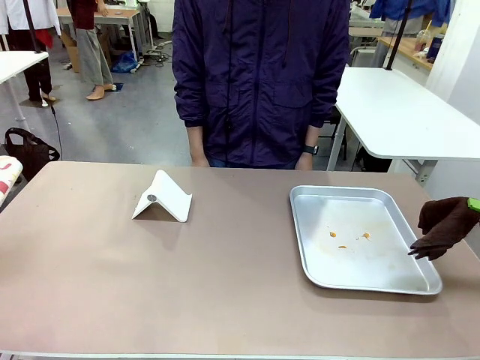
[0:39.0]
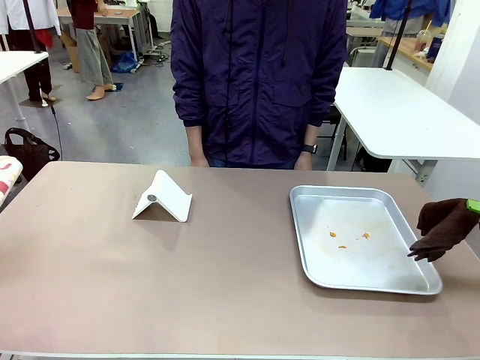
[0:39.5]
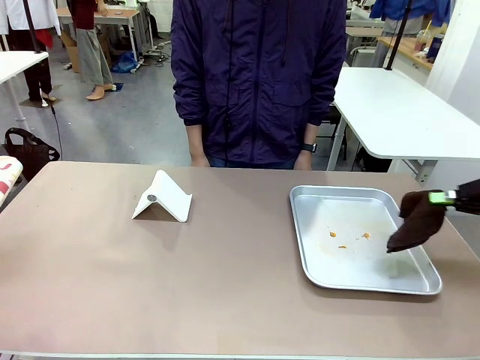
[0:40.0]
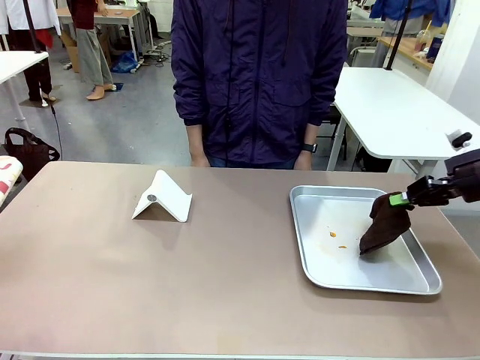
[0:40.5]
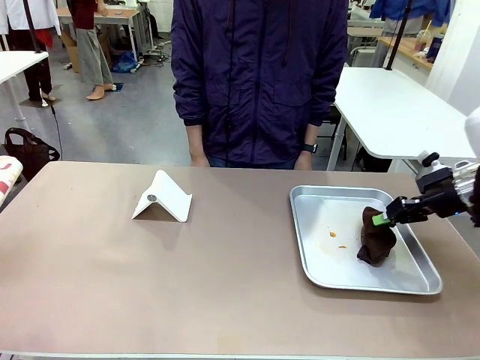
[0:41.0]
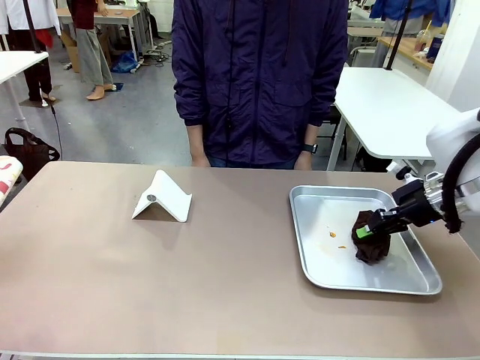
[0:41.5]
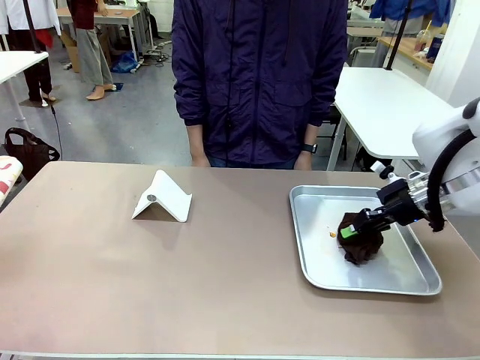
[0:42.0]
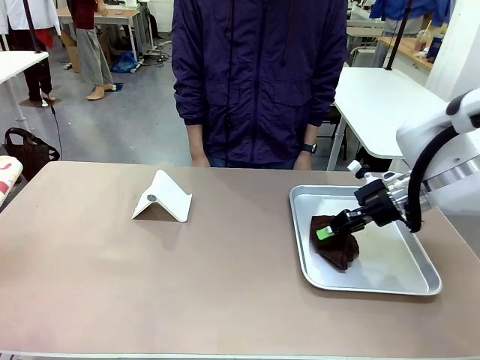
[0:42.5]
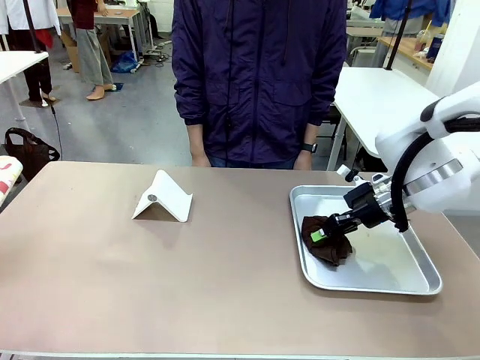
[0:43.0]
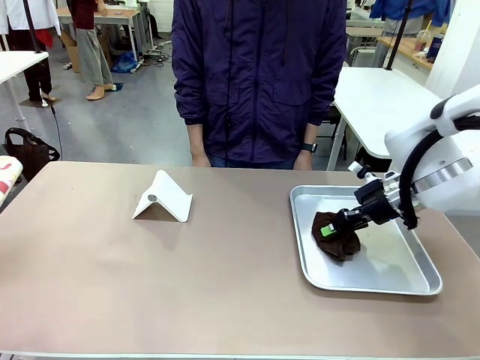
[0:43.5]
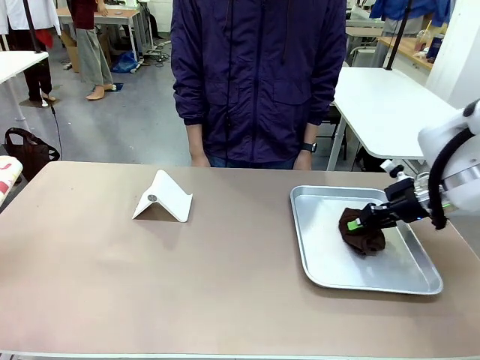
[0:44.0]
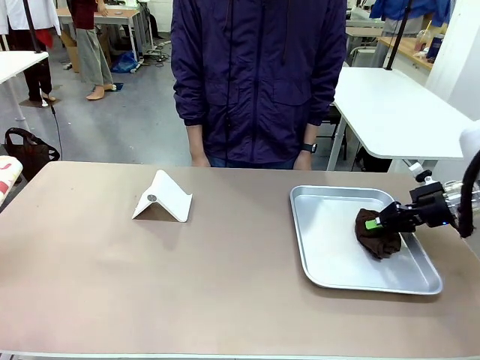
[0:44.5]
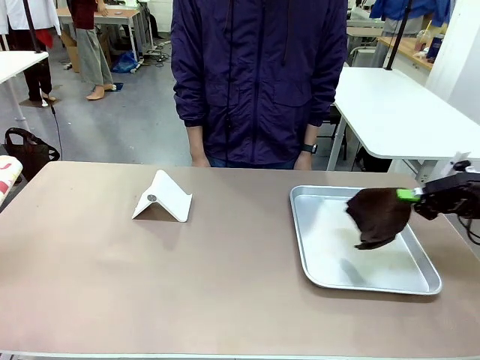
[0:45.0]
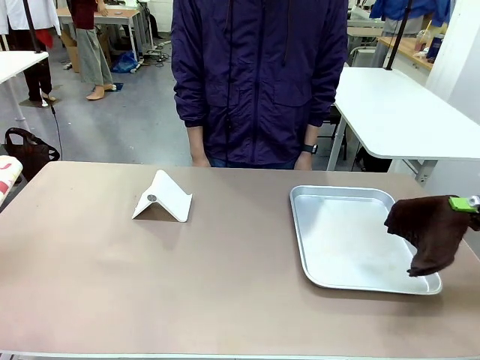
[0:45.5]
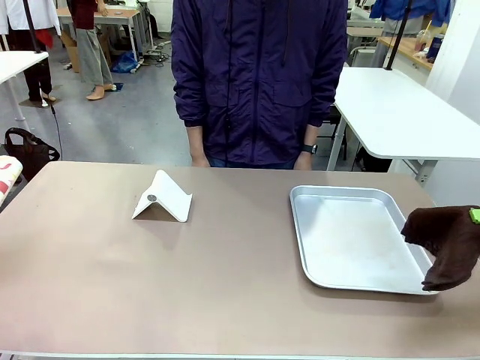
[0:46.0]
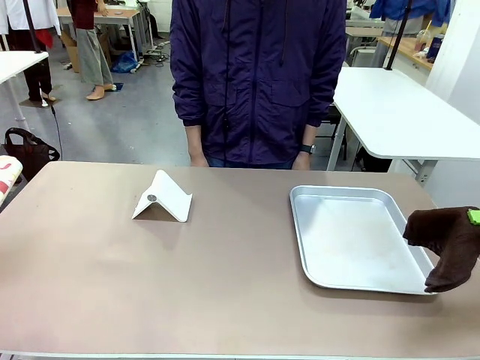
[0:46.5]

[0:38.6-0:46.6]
Task: Clean the surface of the table.
Robot: Clean the area not pointed to by the person.

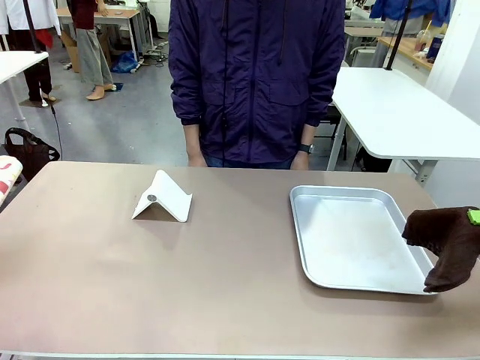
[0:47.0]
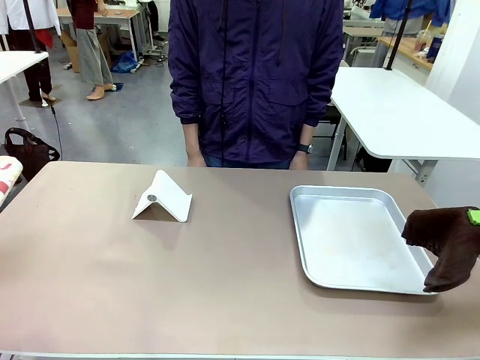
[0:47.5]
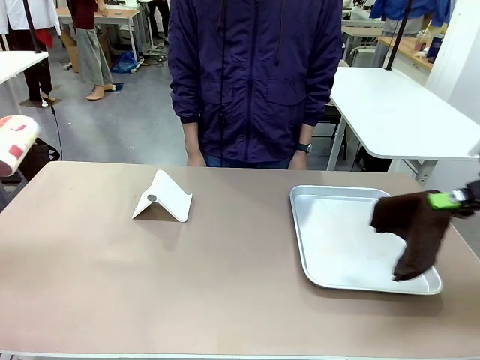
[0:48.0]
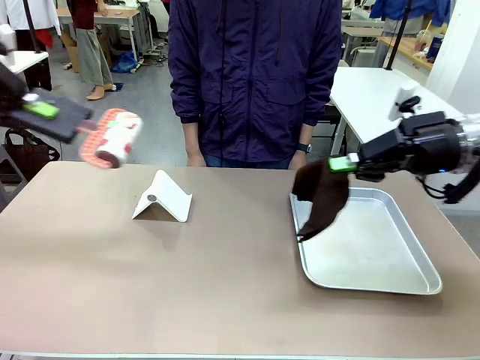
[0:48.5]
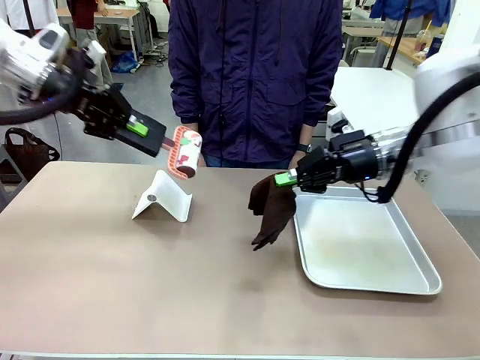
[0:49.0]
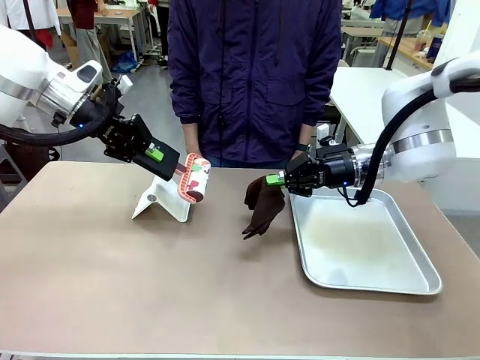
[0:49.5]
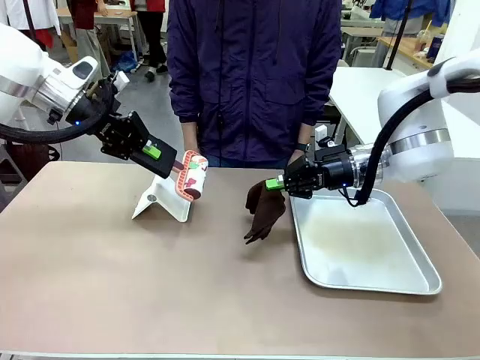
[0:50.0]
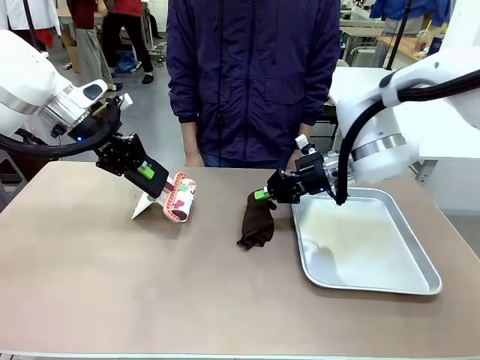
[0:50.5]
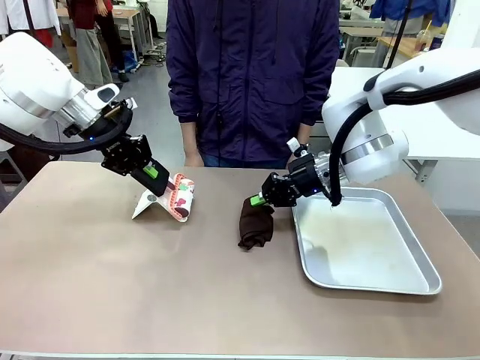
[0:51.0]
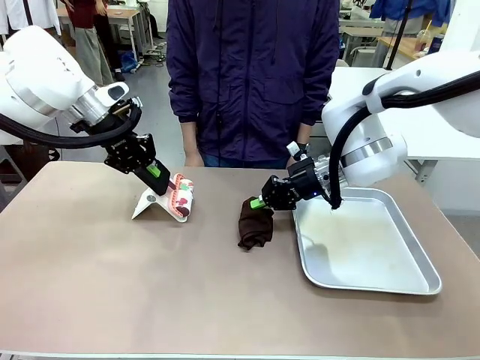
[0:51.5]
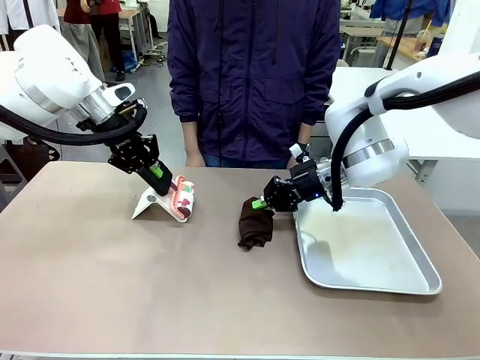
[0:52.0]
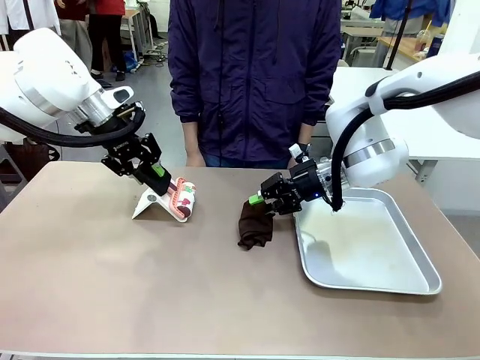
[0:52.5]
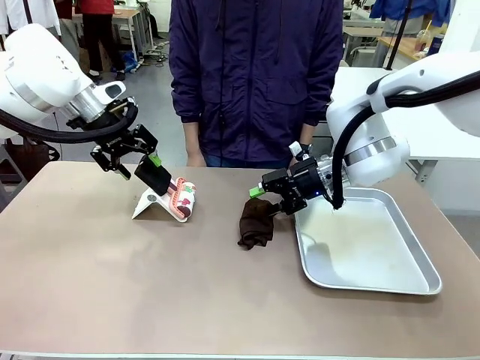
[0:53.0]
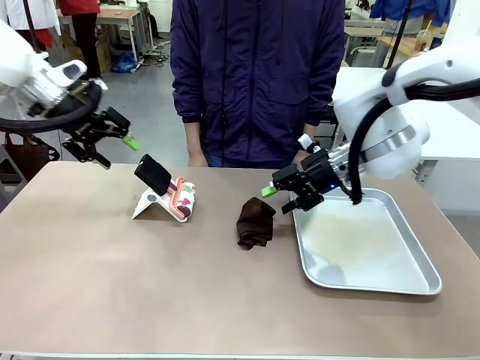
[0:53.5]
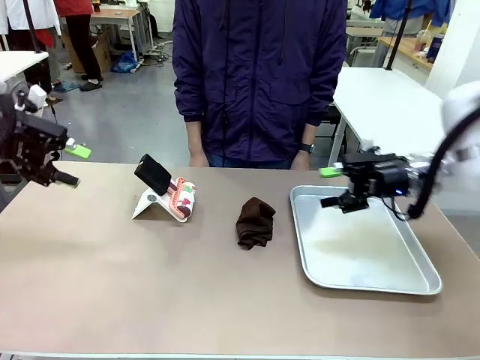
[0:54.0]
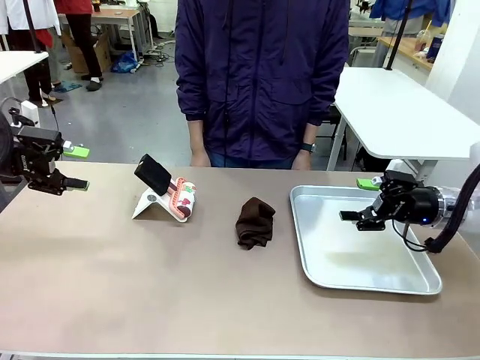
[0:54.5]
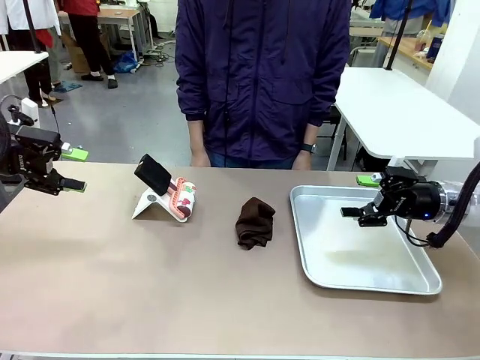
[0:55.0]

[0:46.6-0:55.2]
Robot: Return the Lint Roller and towel to their original positions.
